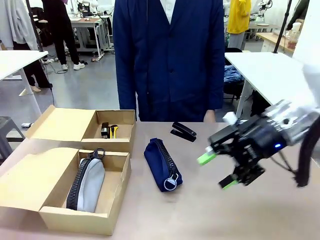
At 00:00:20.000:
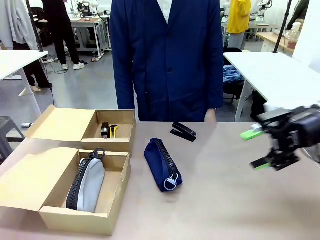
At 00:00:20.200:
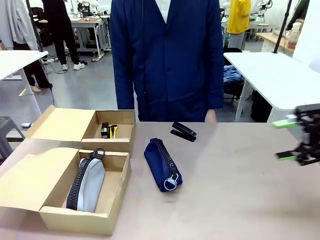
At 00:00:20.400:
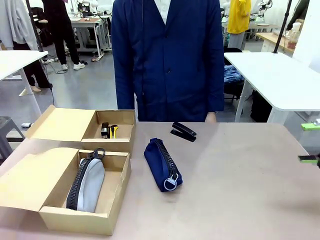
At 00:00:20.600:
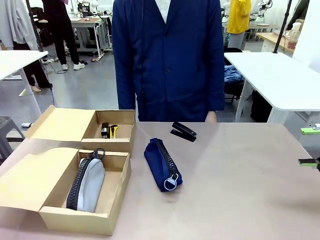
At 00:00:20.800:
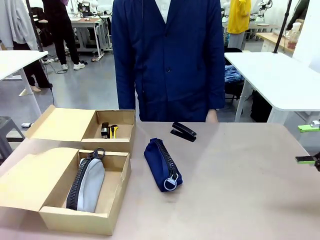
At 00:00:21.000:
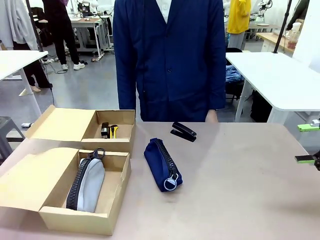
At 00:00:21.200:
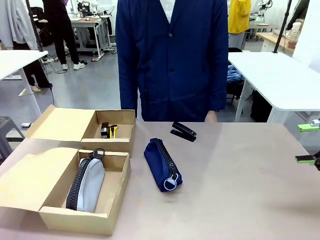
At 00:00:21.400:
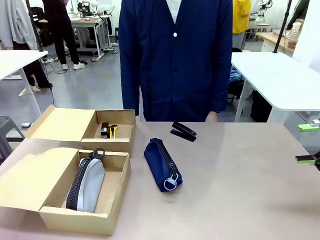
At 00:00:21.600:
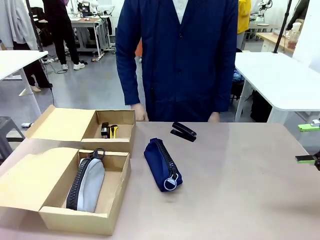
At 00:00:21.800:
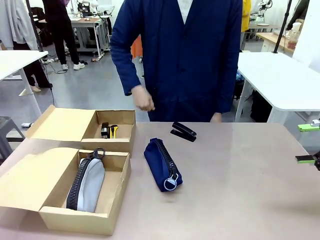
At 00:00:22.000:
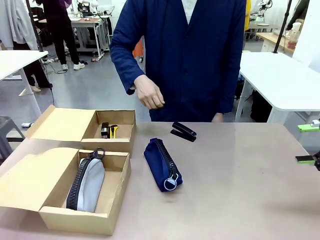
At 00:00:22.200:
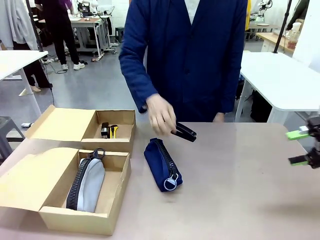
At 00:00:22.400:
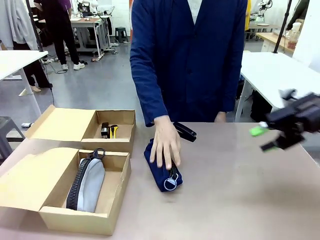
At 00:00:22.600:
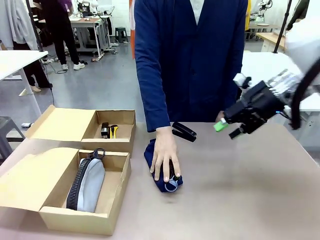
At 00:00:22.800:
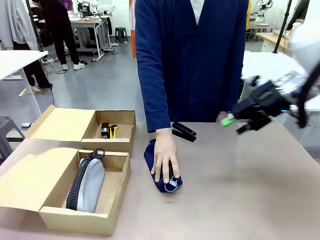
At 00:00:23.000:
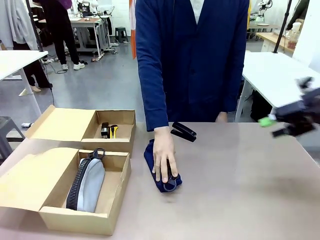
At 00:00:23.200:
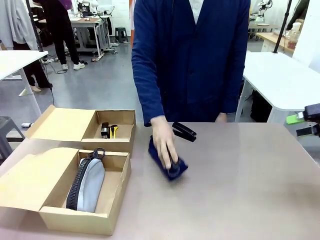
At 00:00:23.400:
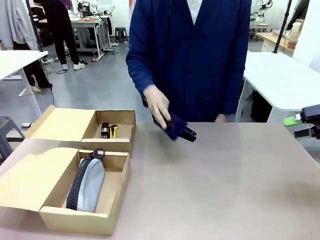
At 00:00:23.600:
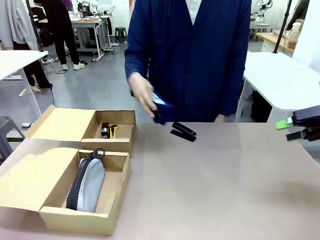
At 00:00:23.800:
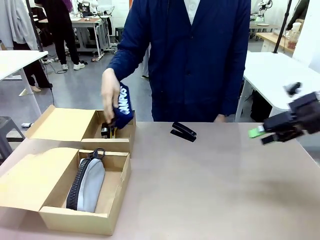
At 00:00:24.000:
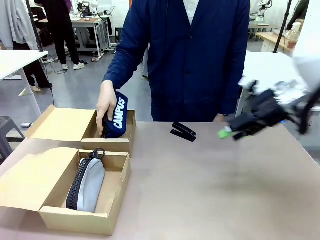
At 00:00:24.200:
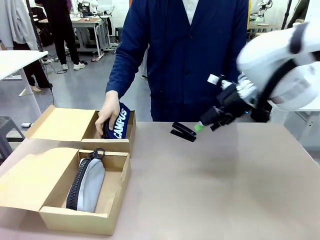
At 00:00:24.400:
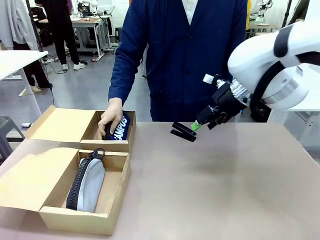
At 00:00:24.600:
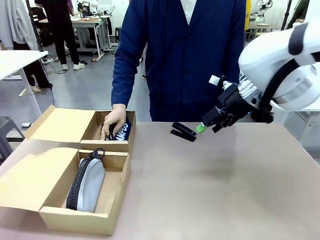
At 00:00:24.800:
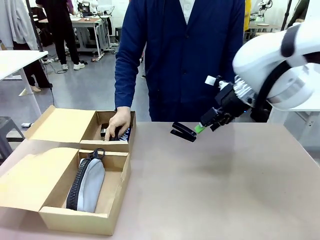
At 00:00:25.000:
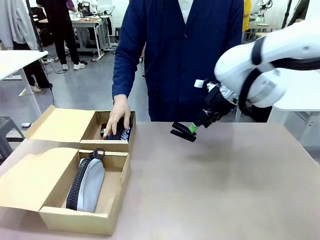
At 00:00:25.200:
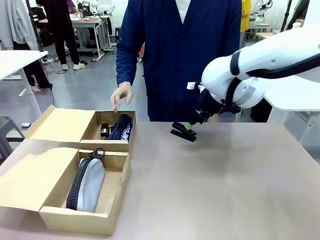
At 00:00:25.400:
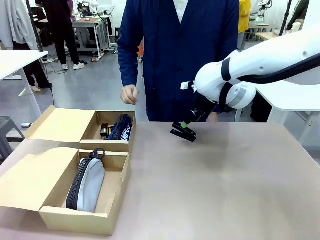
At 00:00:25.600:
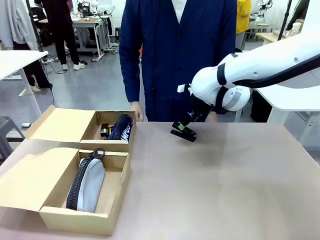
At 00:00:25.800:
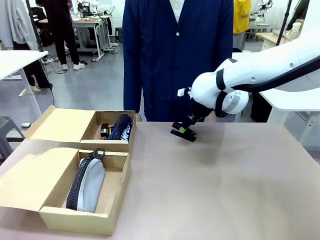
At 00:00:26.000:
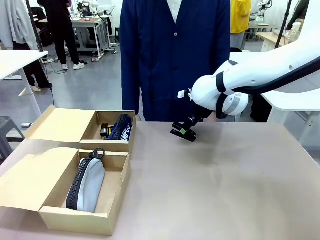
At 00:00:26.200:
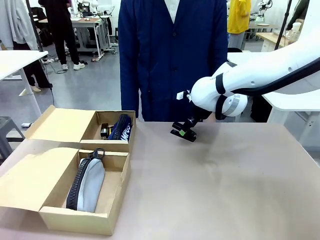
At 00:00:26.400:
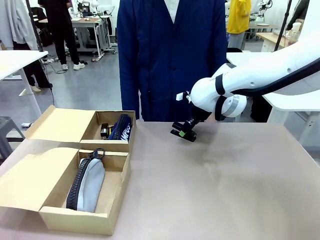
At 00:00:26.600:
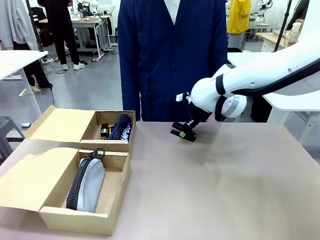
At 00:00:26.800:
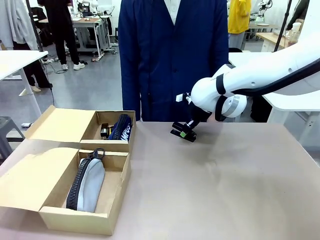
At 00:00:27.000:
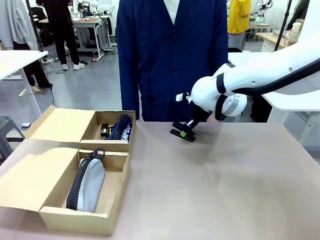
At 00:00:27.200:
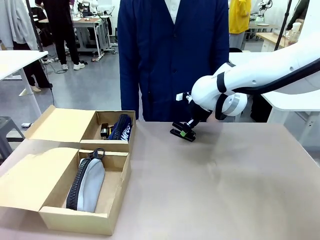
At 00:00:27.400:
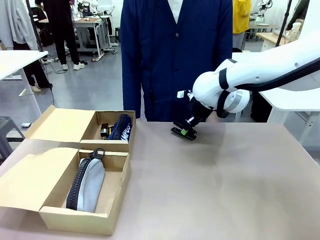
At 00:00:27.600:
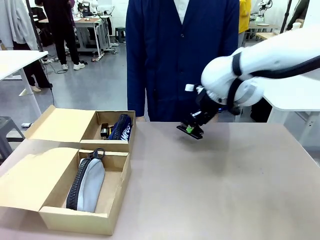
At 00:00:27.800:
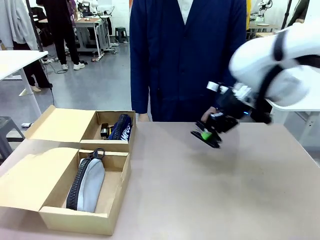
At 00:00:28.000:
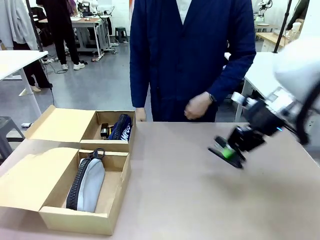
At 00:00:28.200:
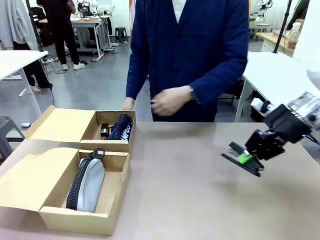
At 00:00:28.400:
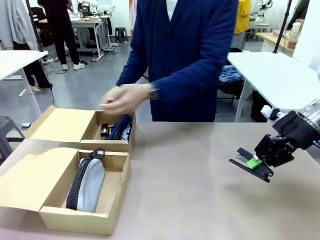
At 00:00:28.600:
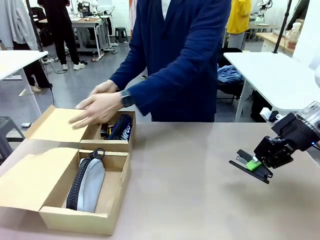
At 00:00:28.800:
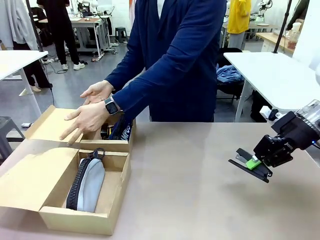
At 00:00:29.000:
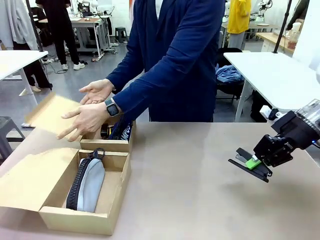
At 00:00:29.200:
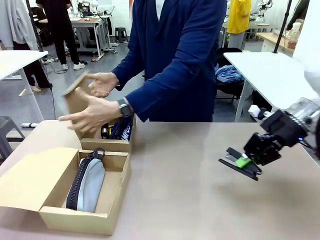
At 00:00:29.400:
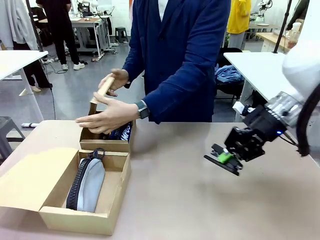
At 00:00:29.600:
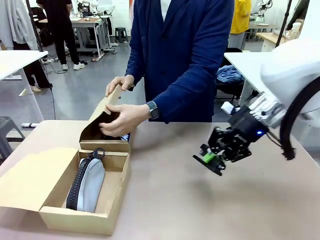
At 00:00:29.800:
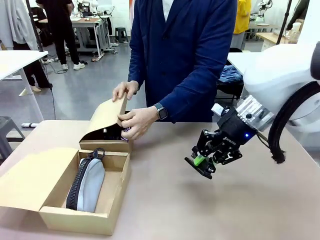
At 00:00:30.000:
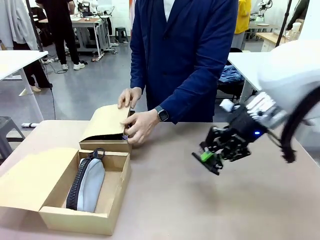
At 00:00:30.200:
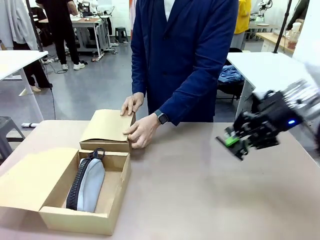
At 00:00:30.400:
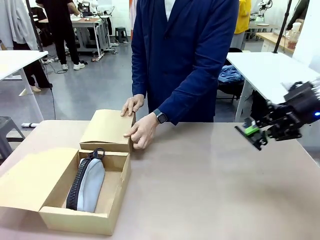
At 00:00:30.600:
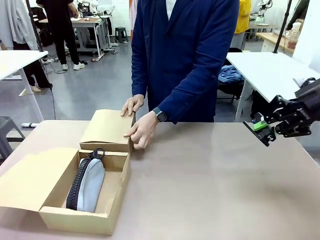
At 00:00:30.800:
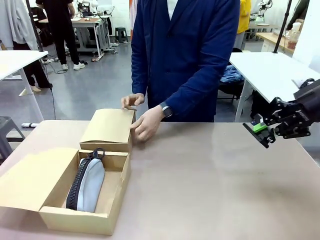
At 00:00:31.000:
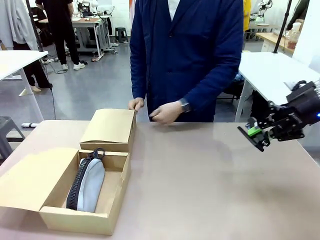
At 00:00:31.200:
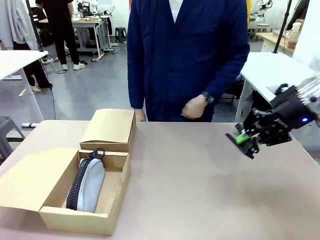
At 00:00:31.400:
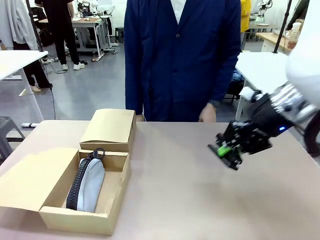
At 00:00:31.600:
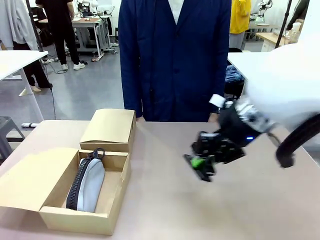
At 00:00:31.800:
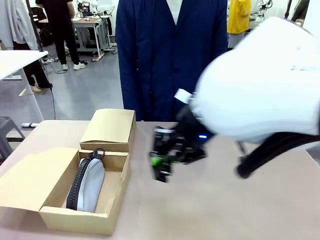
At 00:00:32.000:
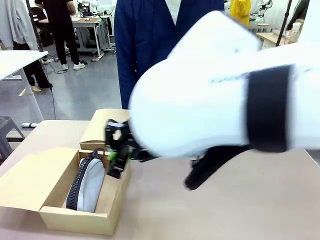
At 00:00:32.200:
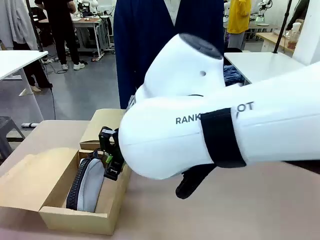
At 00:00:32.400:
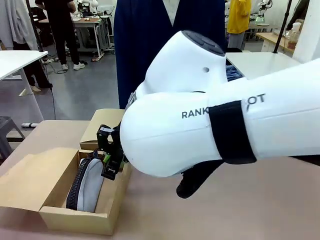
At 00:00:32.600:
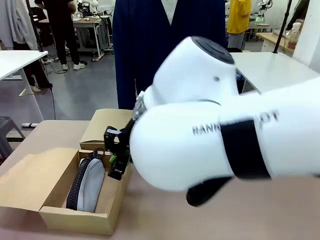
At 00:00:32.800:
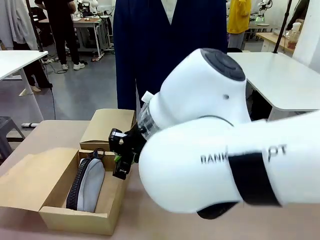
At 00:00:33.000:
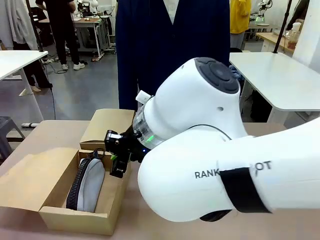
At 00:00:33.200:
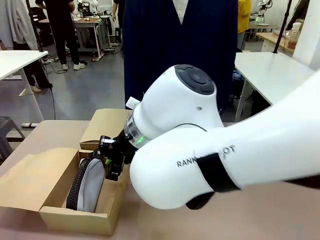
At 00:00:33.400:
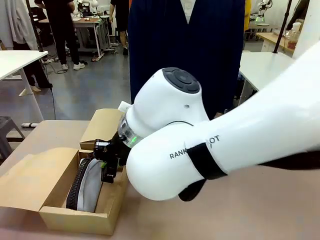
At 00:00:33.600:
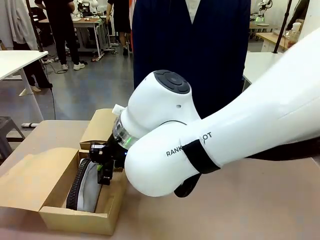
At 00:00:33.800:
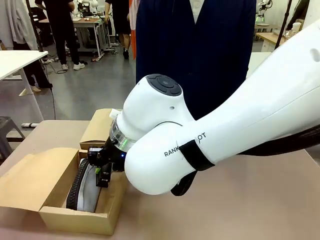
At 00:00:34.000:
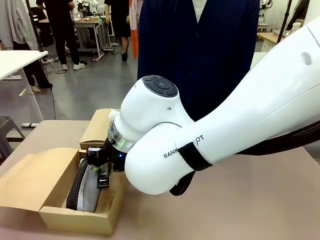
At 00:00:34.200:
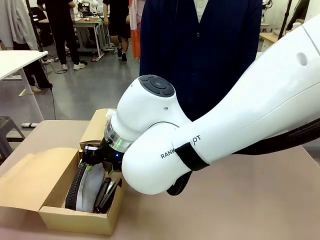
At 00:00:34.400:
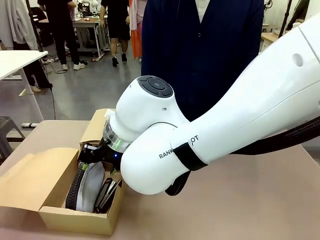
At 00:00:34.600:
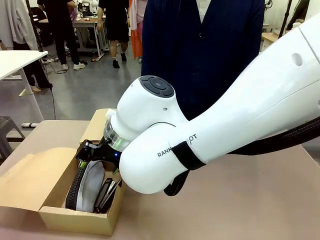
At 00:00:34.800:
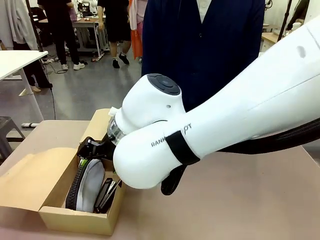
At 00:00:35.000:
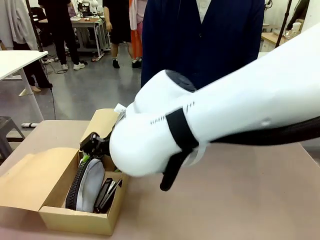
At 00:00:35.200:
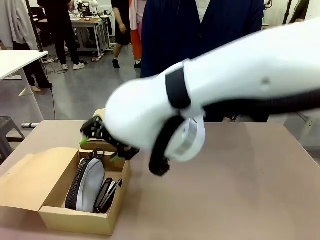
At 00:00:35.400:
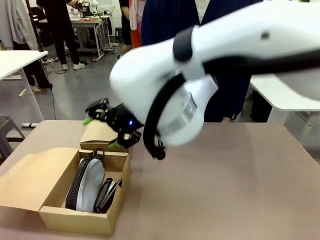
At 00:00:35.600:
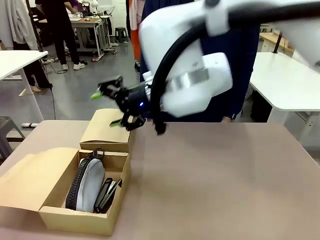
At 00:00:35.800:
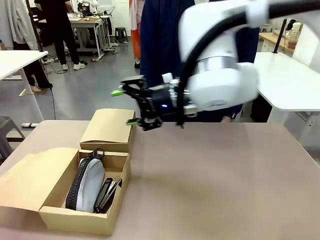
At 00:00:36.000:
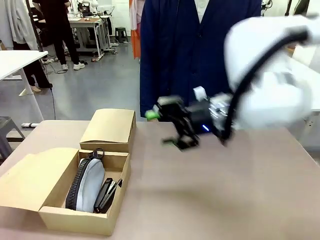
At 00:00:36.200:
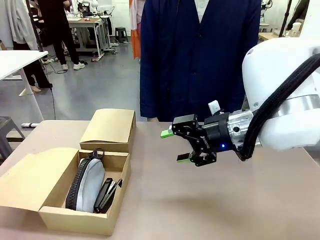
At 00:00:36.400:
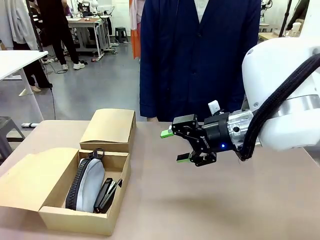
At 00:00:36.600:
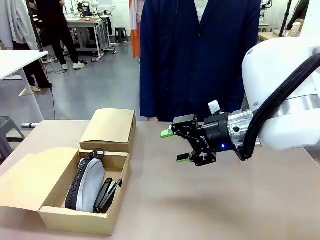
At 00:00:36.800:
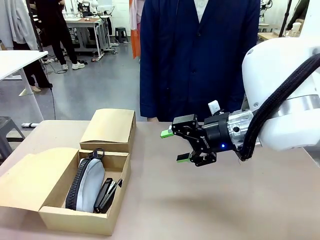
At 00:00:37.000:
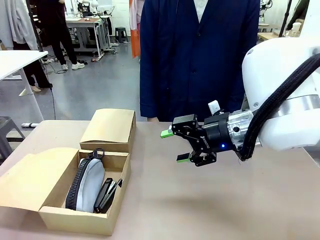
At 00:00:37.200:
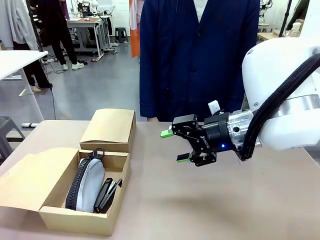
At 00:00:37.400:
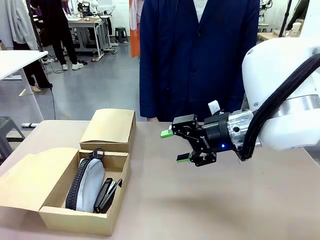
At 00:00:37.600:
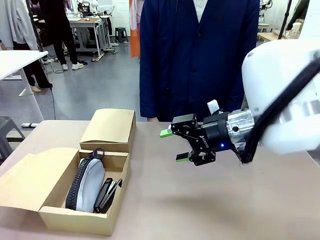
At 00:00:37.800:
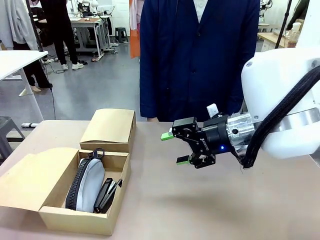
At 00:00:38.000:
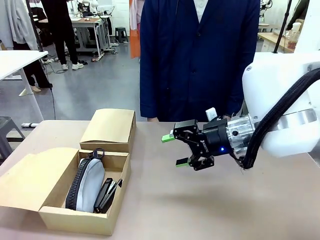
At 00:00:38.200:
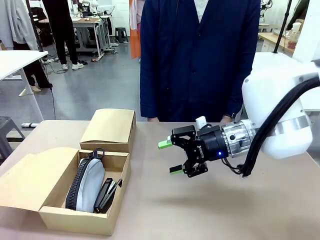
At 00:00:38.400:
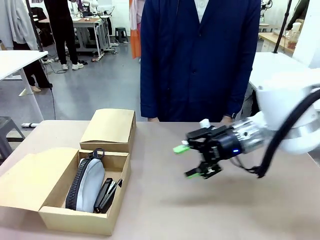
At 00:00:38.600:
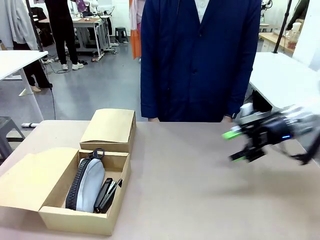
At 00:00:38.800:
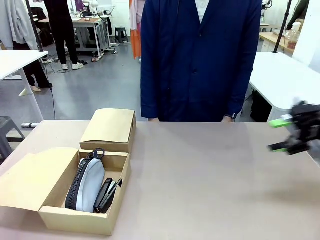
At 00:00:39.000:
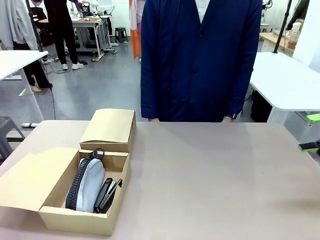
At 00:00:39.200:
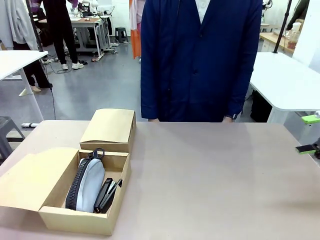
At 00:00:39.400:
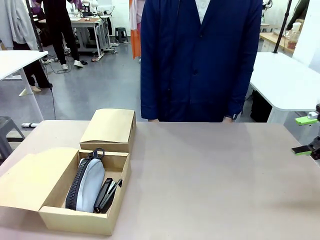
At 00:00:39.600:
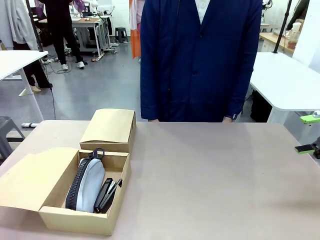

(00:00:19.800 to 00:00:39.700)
Task: Place items inside the box.
Robot: Pick up a Pencil pouch or Stapler and place it inside the Mailer Box closest to the robot.
Person: Close the lid of the box facing the person.
